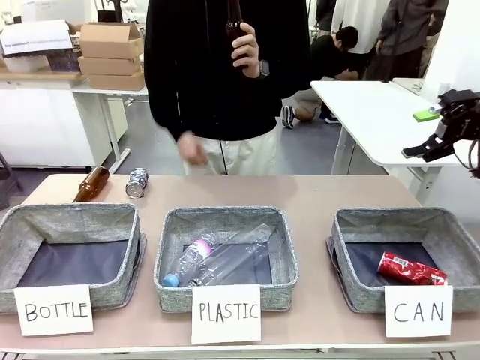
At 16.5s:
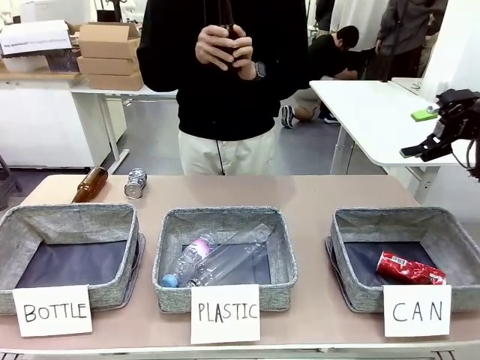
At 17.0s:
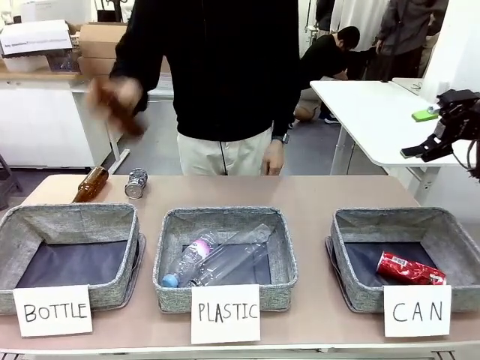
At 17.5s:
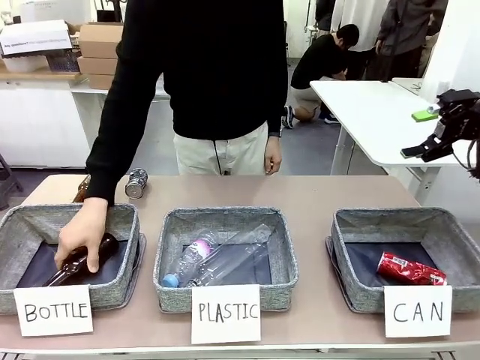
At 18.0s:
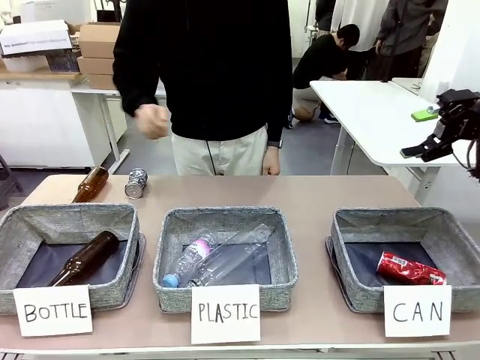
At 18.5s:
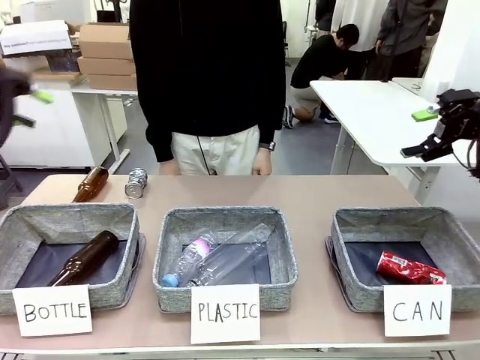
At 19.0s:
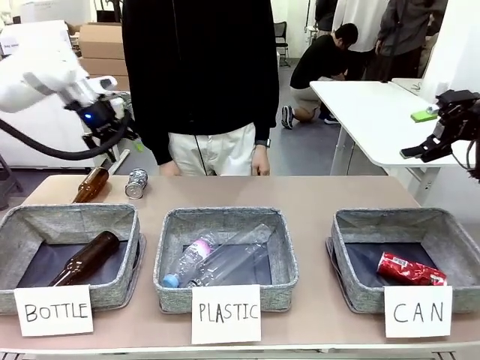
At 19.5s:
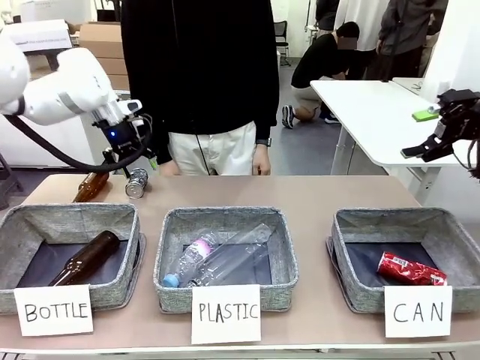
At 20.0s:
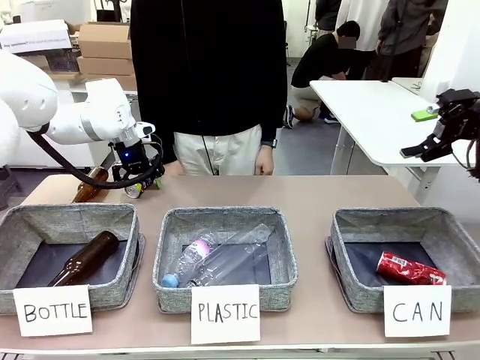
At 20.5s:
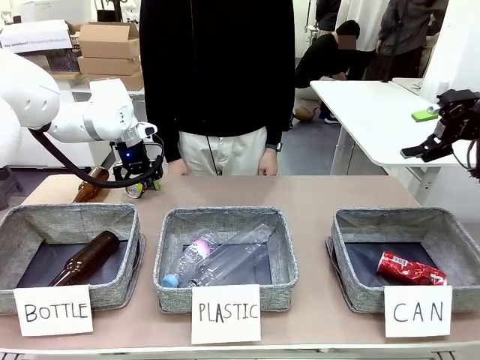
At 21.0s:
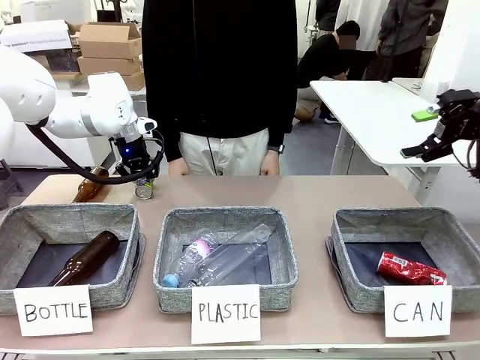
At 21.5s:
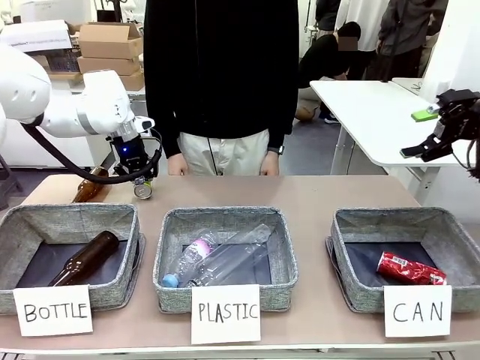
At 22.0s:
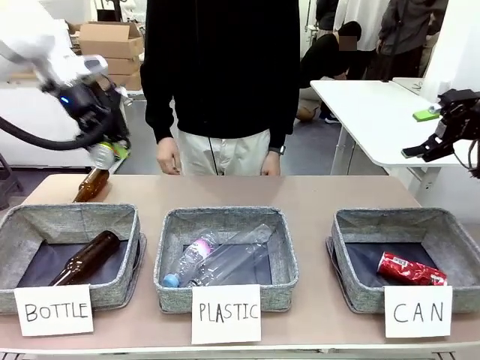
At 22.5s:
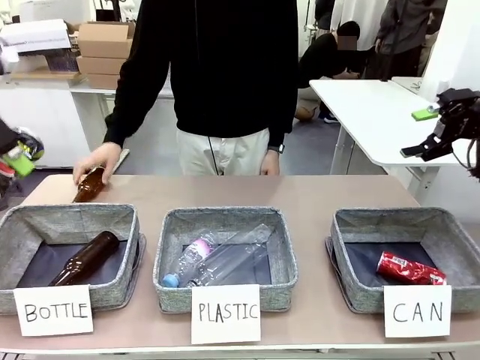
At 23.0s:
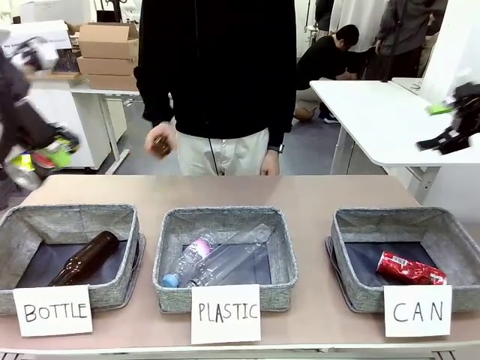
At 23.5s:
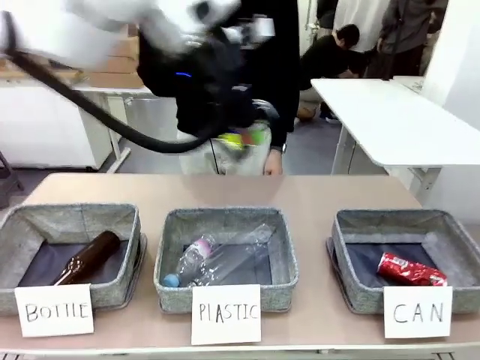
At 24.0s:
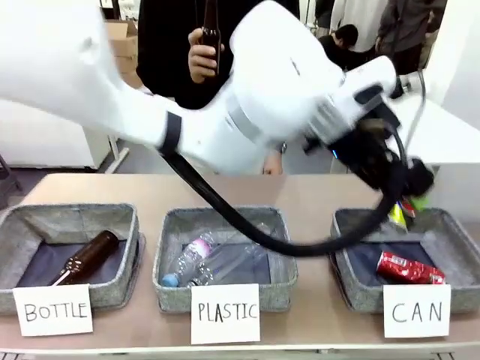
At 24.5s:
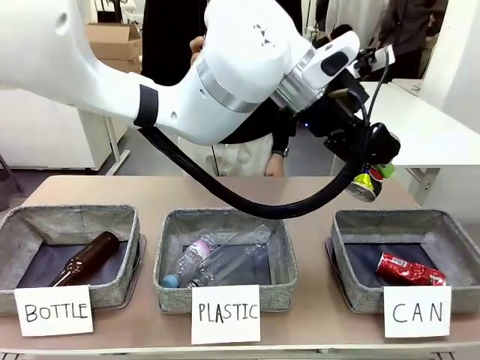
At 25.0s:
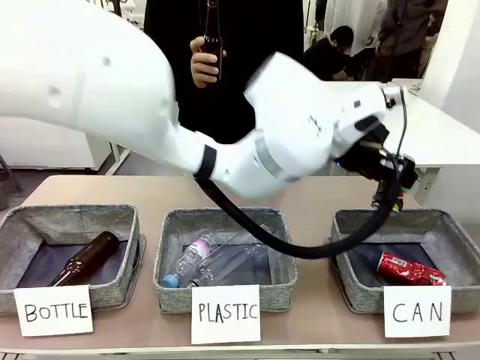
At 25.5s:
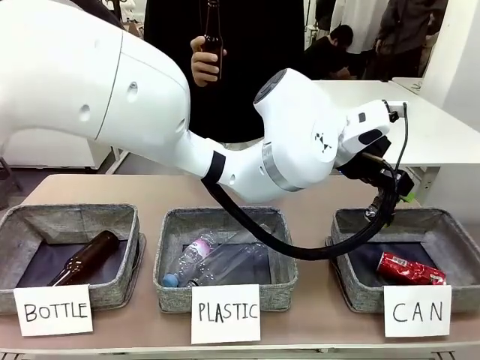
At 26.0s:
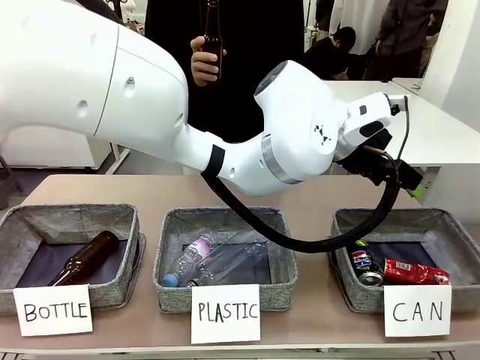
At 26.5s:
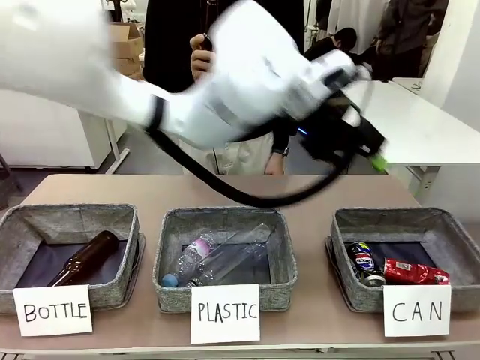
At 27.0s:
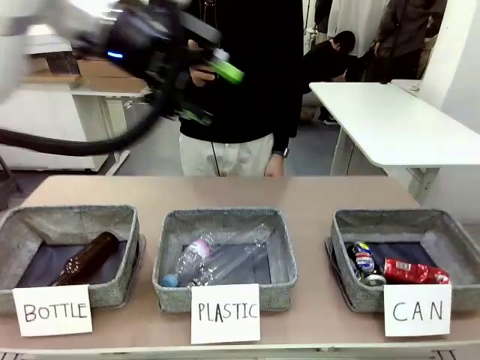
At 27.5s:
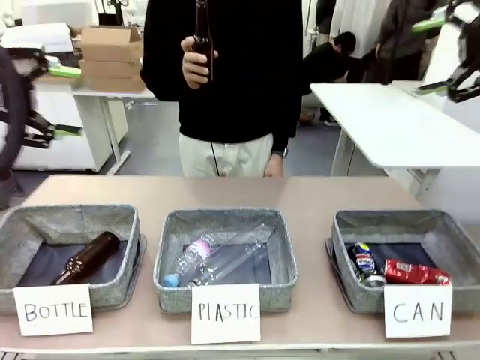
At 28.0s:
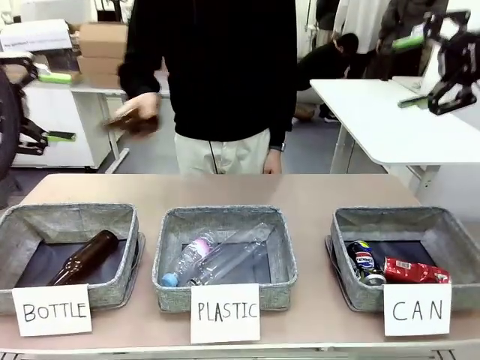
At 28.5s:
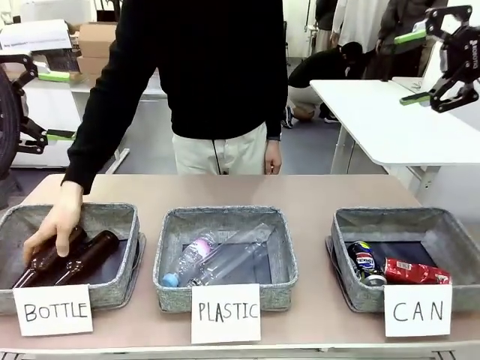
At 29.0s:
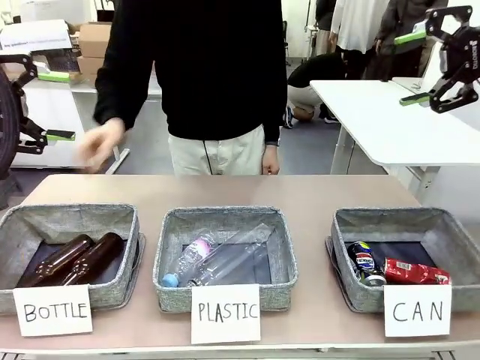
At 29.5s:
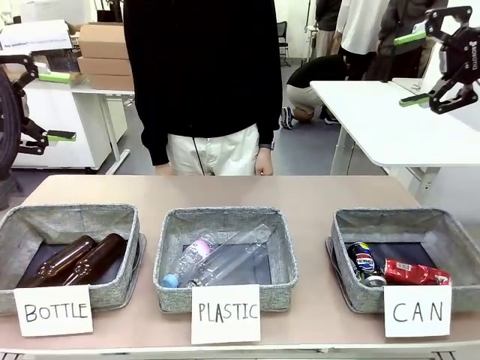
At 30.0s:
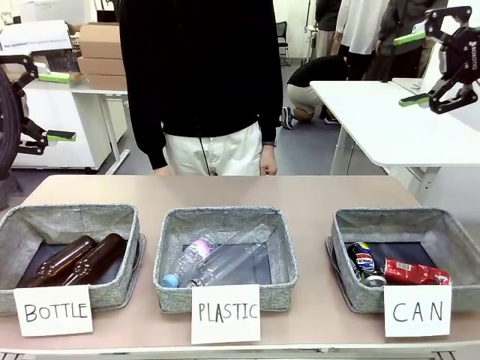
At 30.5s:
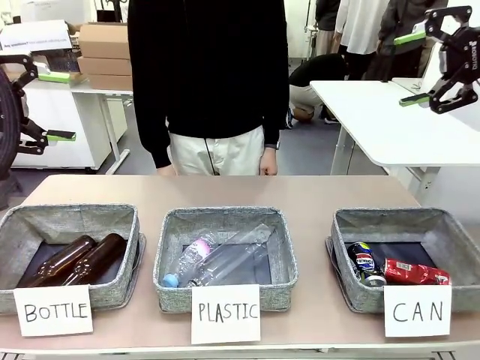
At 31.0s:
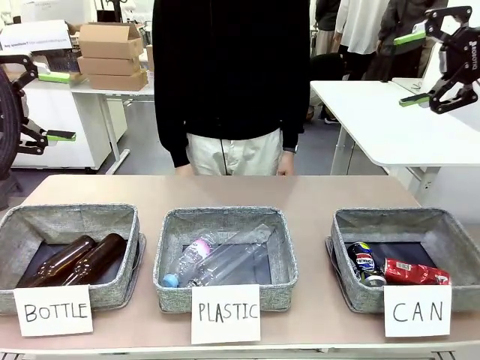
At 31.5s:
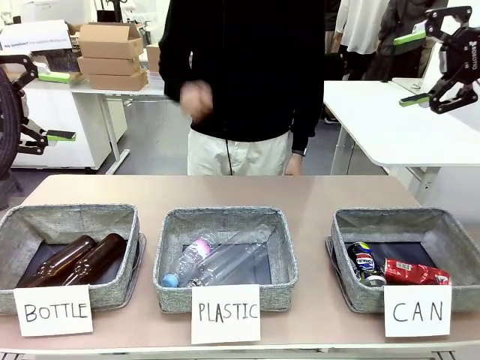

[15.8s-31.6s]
Task: Sort the can waste into the basket.
Robot: Pick up the can waste from the table and place it in the right Fabric basket.

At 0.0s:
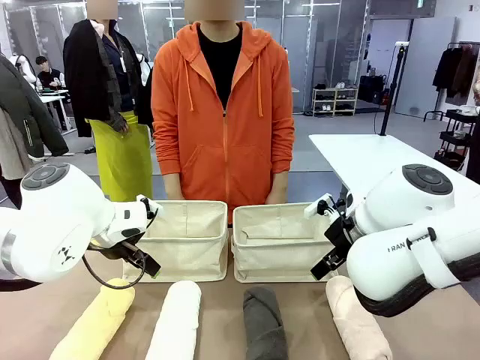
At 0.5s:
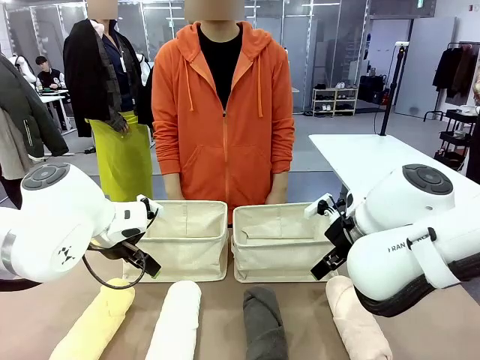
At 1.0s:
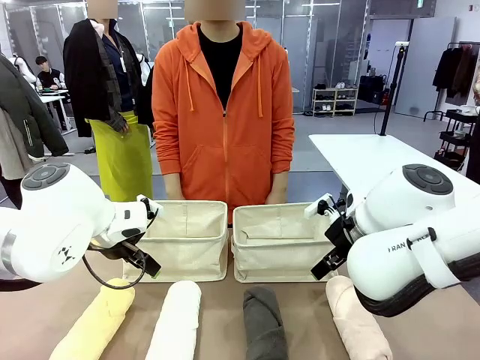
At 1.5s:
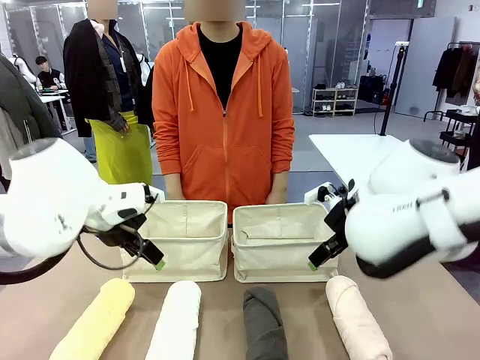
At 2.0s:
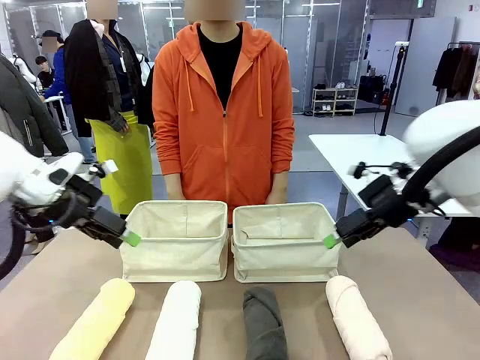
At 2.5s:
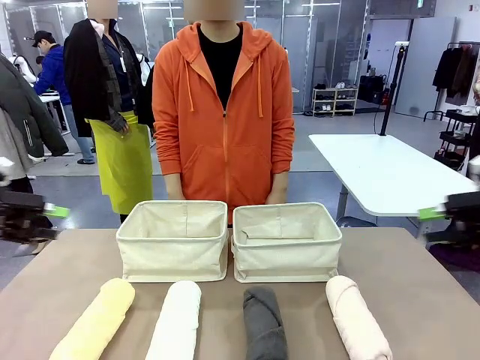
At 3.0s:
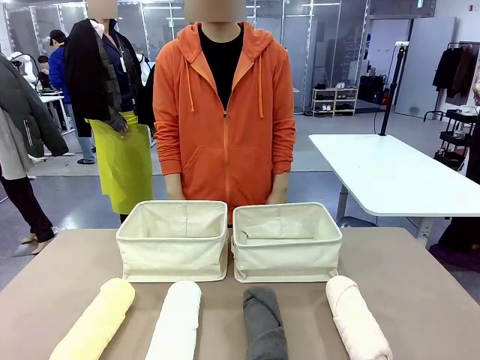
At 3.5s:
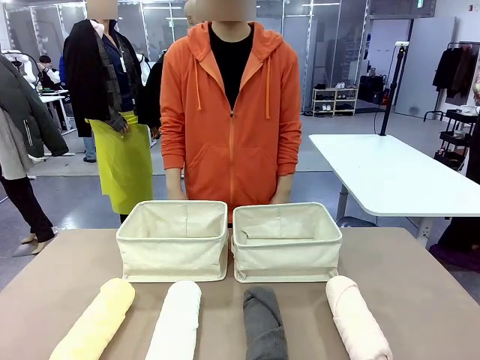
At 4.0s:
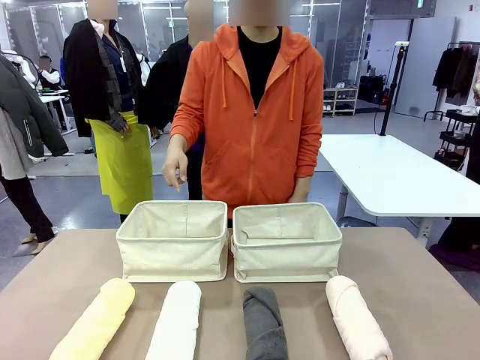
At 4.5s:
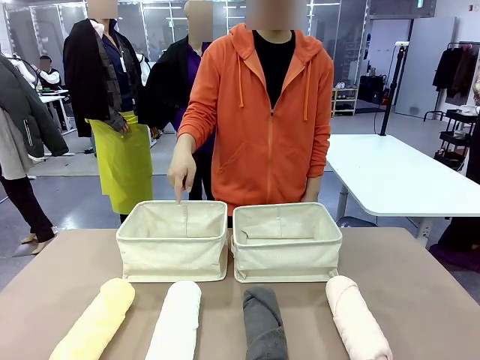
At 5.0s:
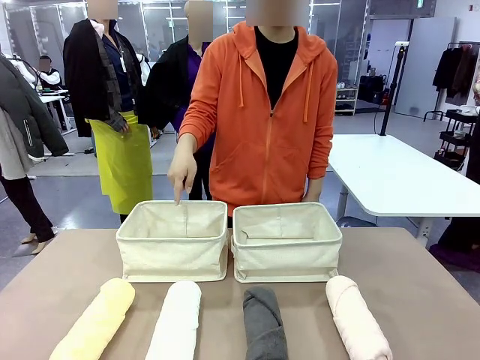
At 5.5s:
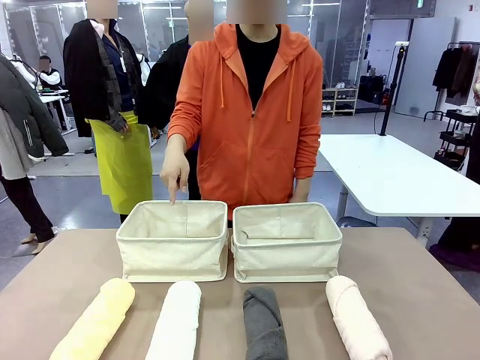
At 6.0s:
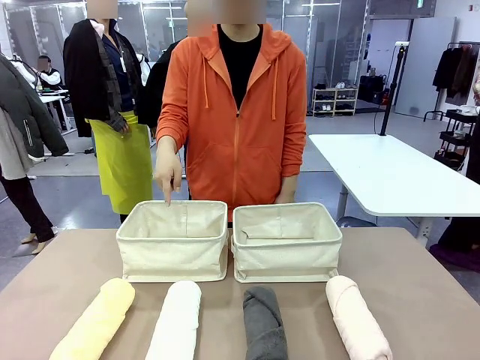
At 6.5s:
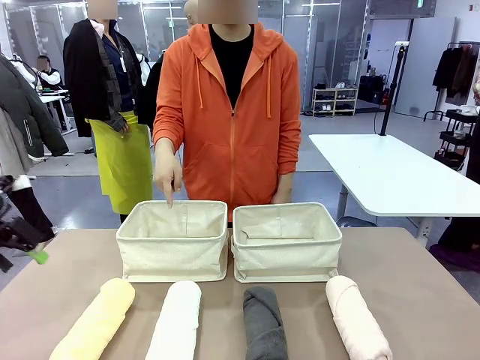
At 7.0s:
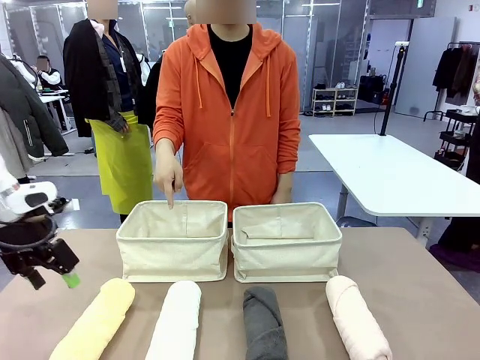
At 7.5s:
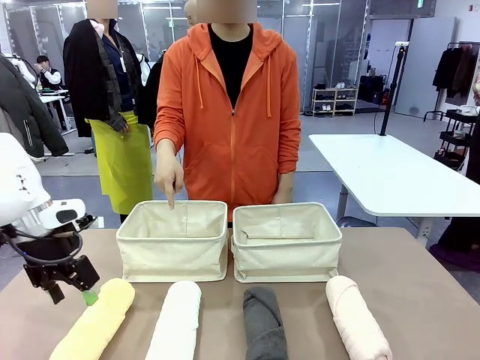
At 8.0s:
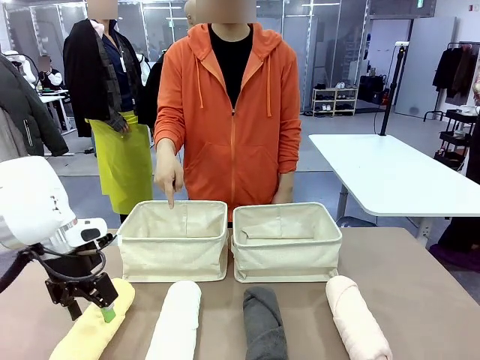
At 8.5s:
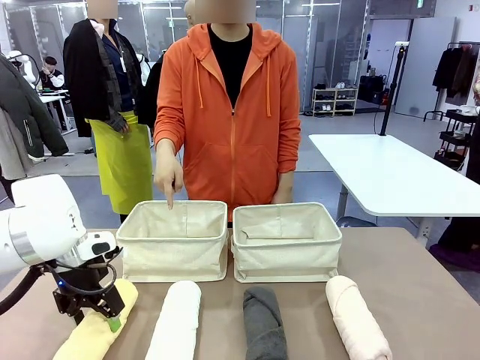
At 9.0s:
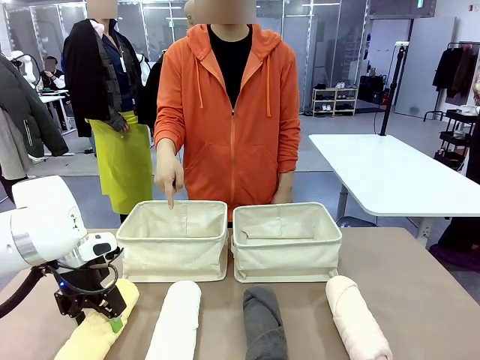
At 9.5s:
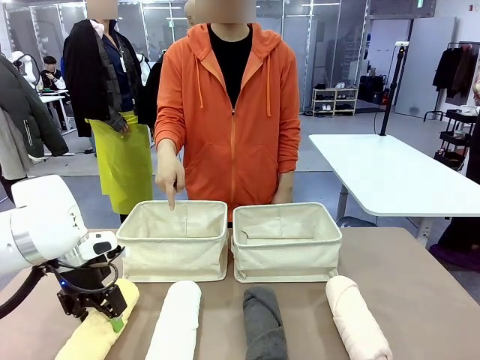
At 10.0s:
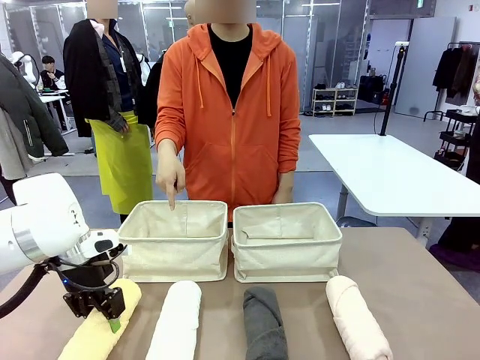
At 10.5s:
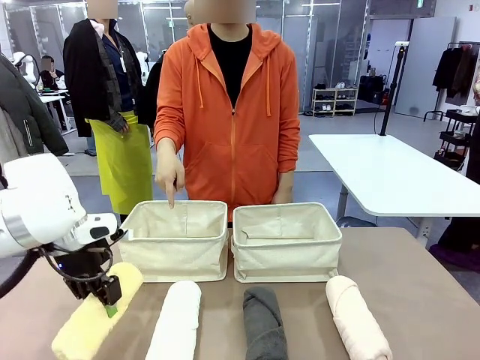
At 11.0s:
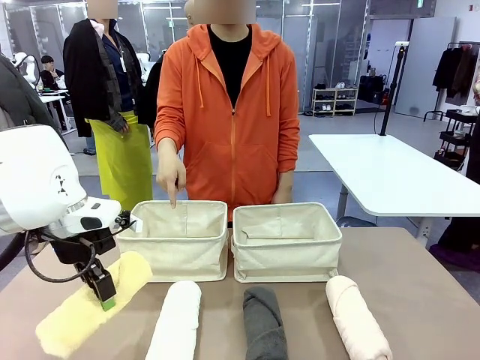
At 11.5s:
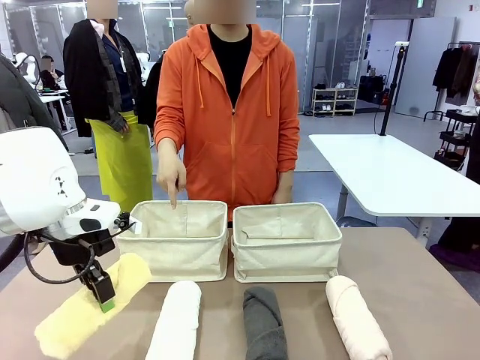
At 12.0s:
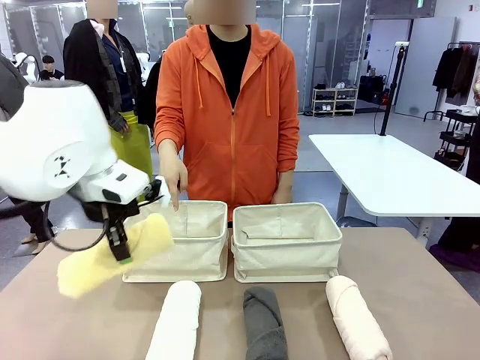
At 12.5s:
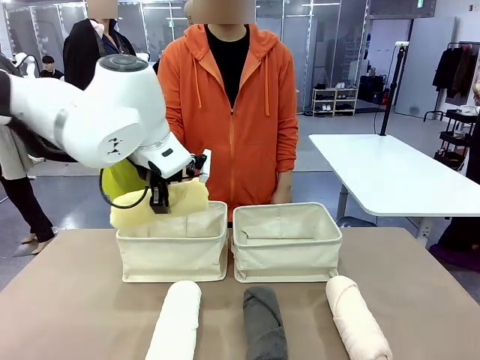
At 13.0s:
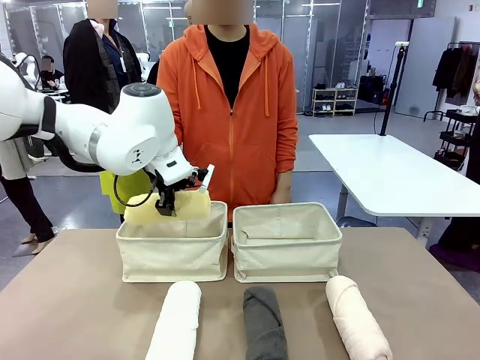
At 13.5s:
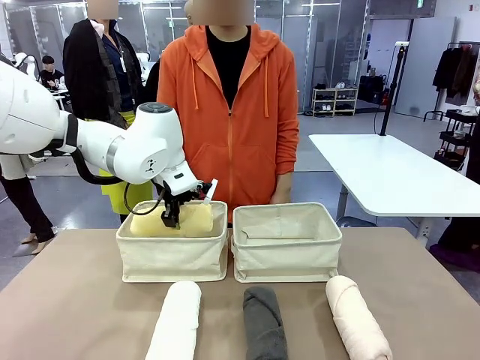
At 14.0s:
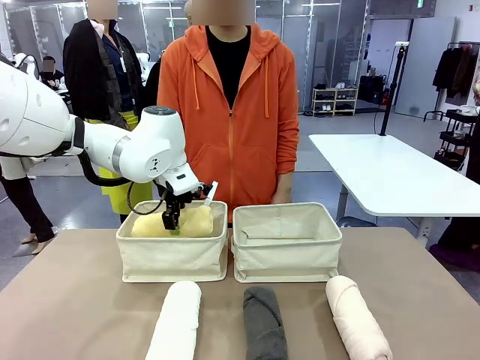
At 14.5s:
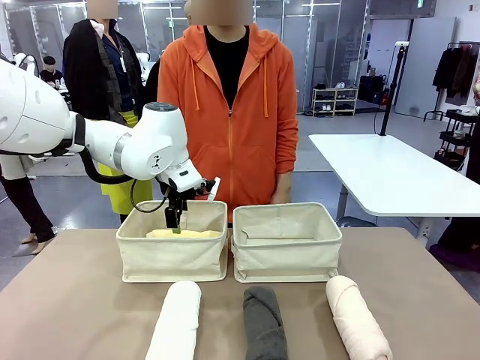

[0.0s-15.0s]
Task: Divide the towels into two baskets.
Robot: Pick up one hotel-folded towel and place it in the Fabric basket indicated by the person.
